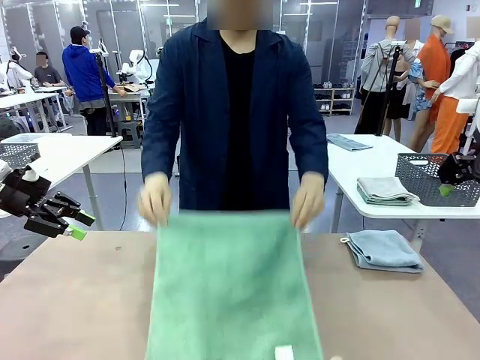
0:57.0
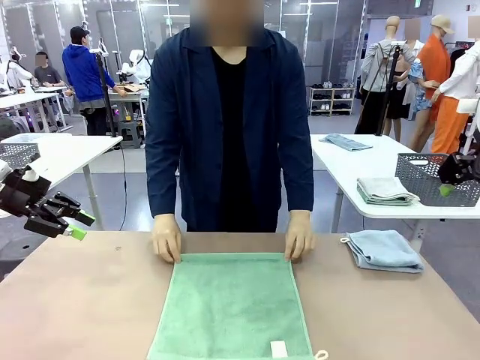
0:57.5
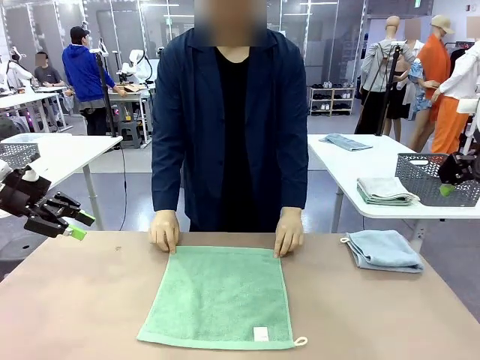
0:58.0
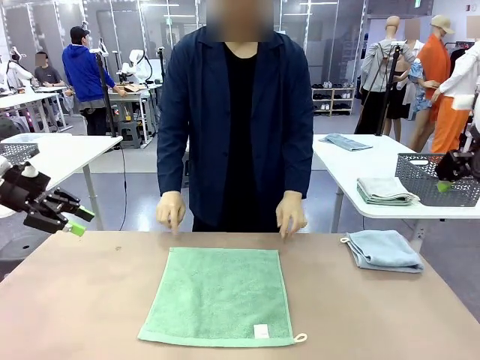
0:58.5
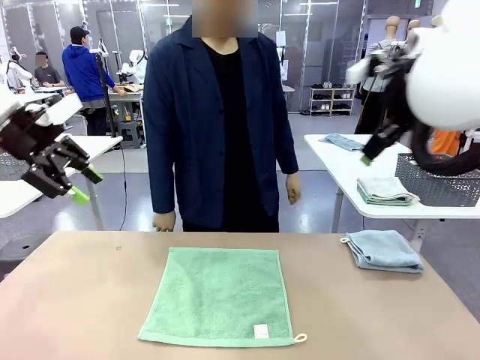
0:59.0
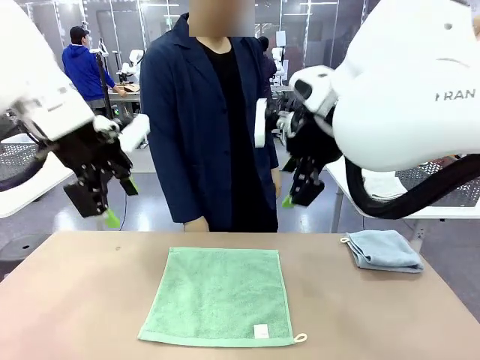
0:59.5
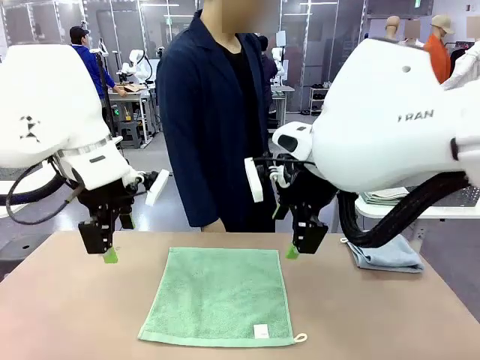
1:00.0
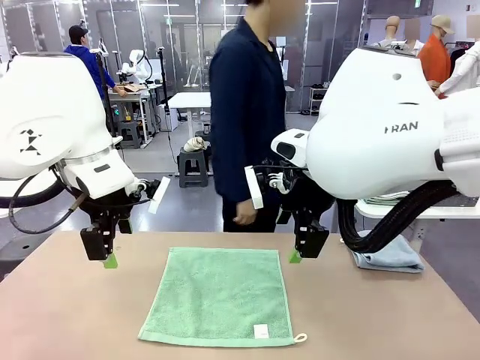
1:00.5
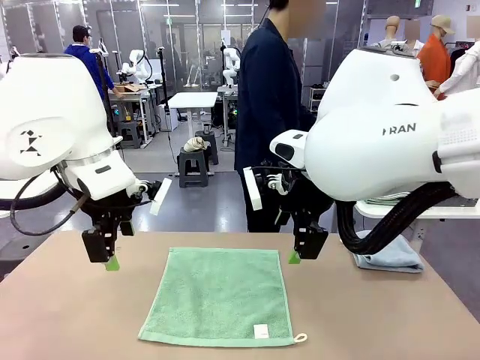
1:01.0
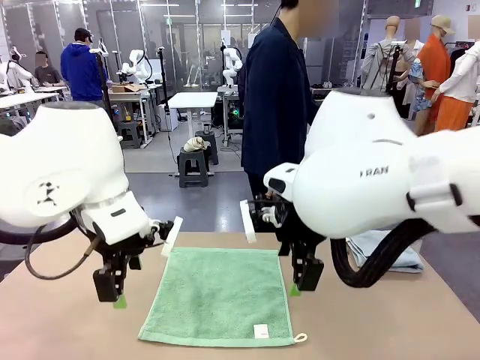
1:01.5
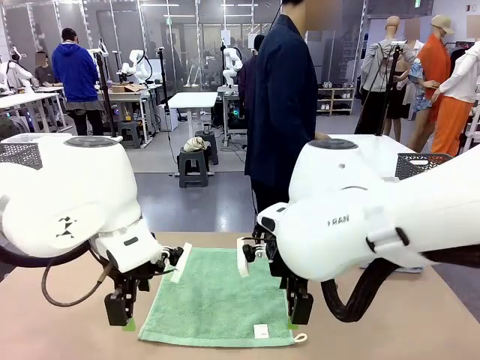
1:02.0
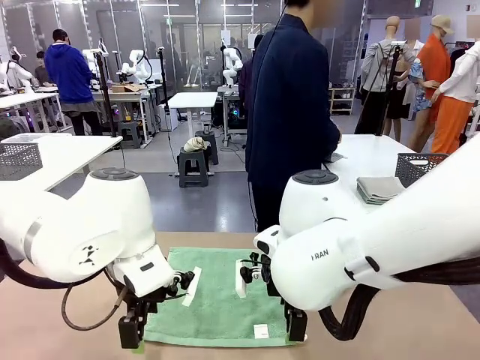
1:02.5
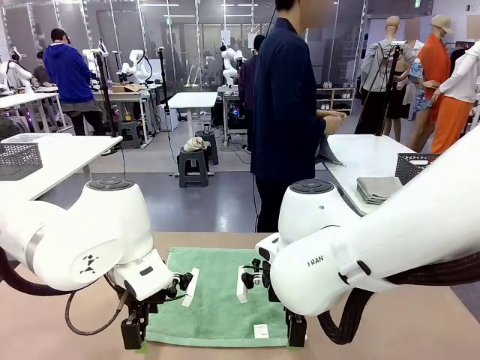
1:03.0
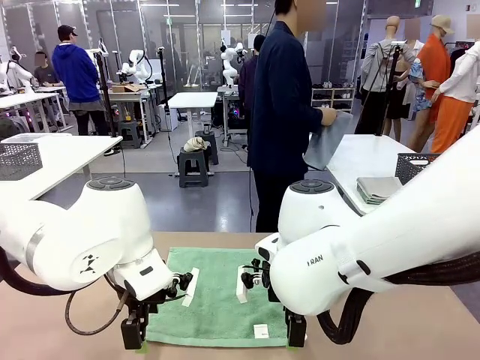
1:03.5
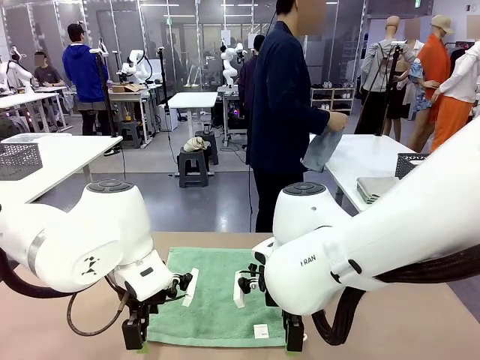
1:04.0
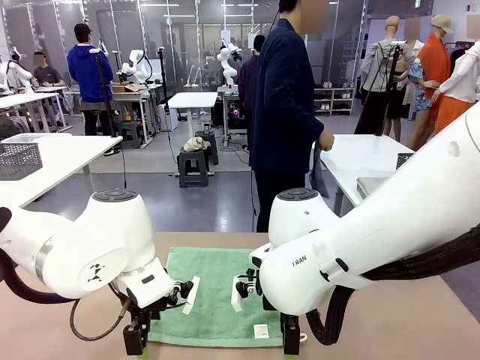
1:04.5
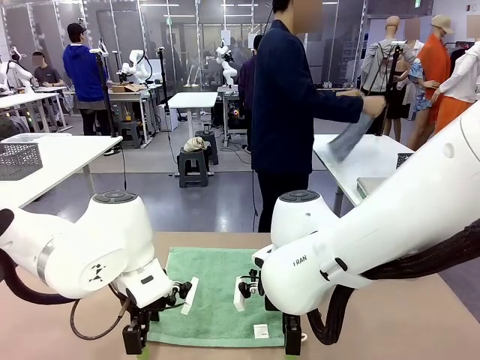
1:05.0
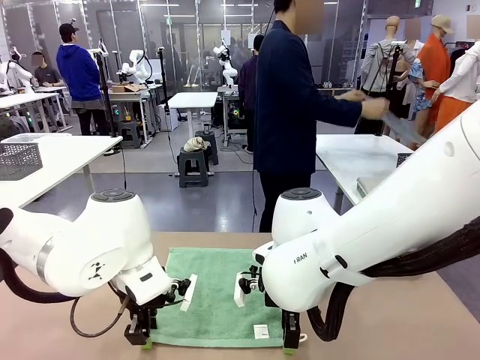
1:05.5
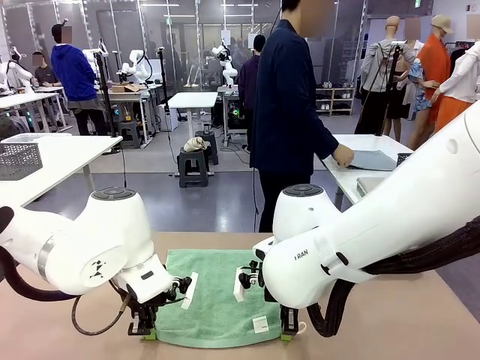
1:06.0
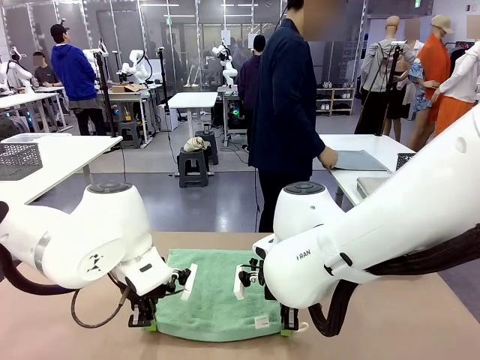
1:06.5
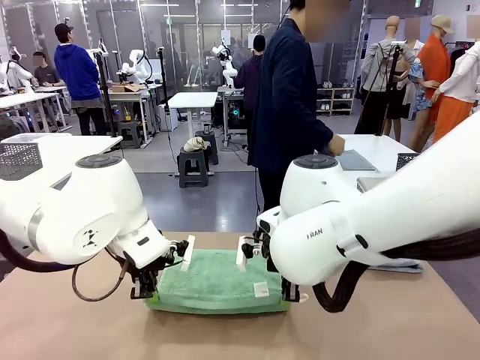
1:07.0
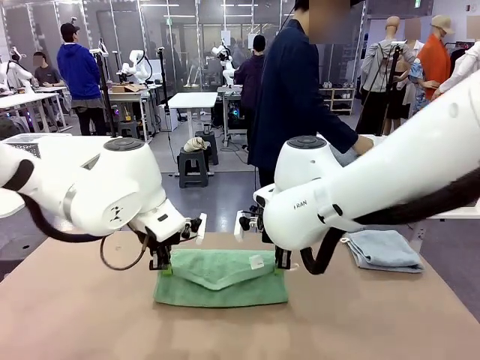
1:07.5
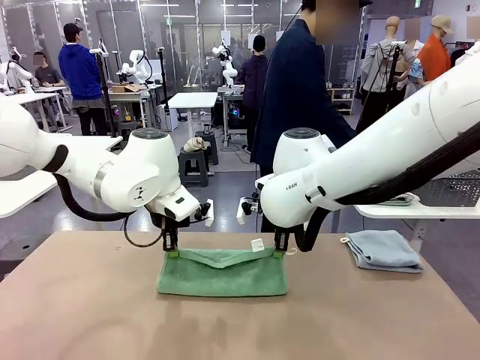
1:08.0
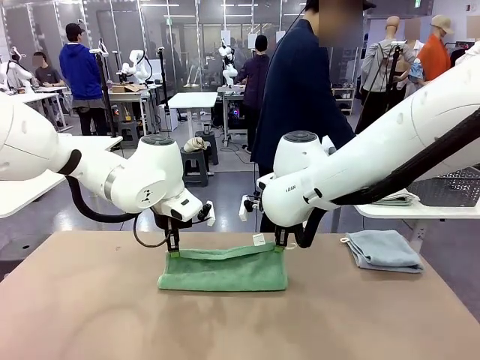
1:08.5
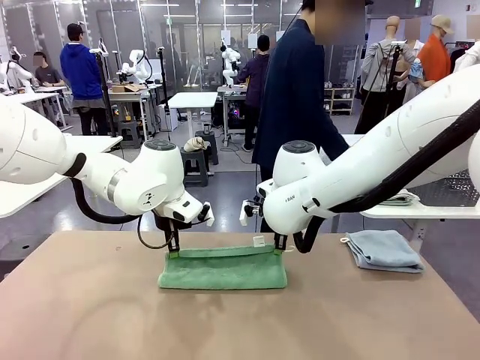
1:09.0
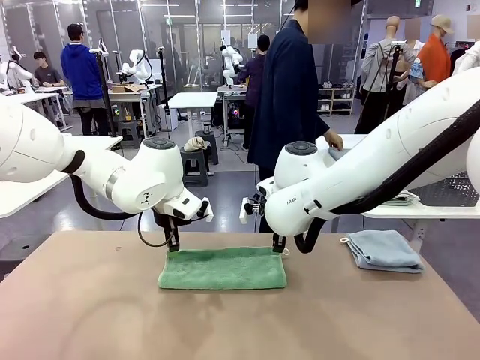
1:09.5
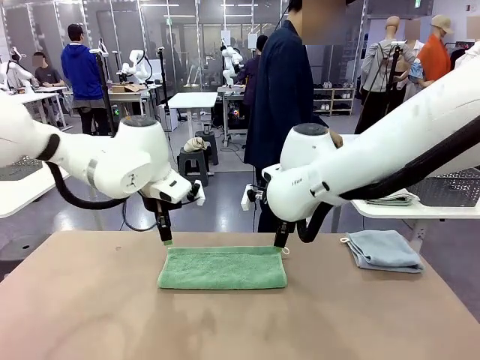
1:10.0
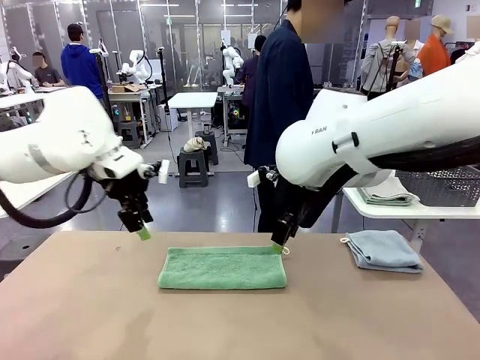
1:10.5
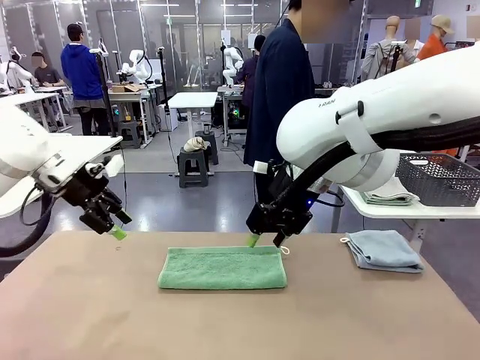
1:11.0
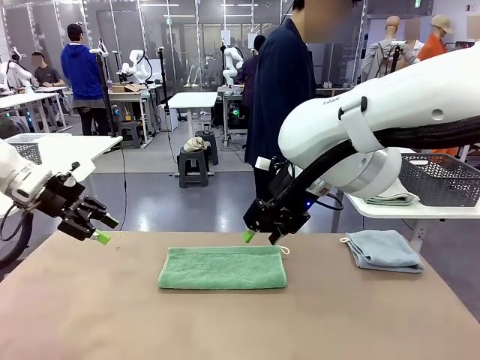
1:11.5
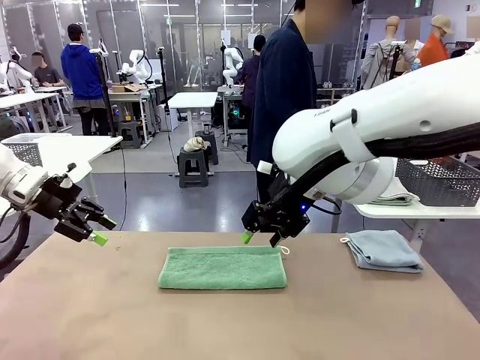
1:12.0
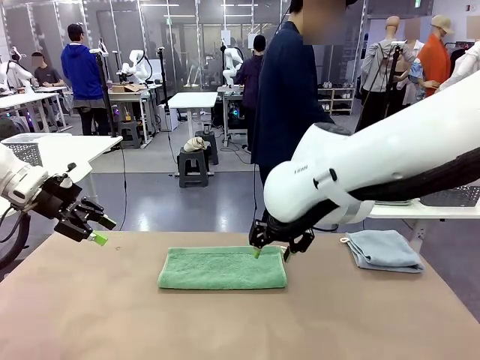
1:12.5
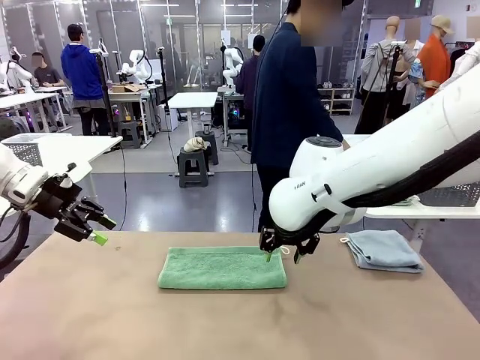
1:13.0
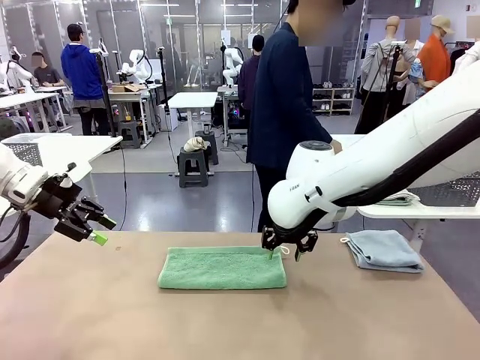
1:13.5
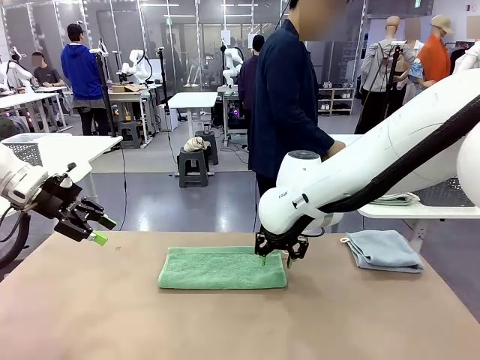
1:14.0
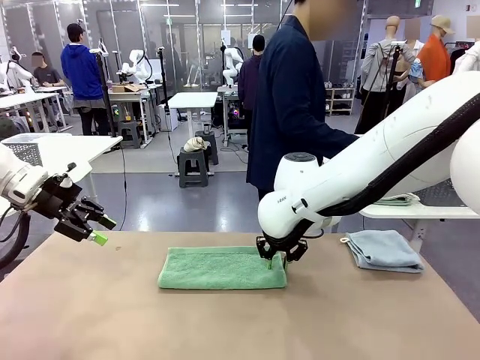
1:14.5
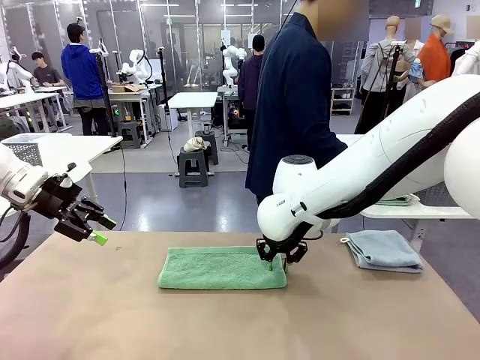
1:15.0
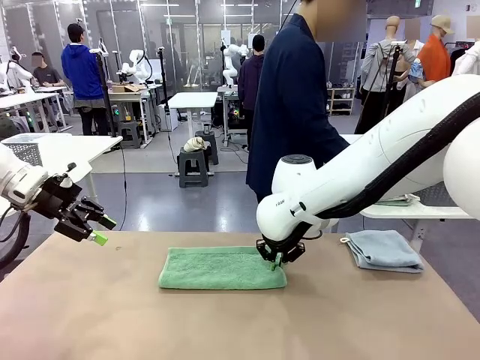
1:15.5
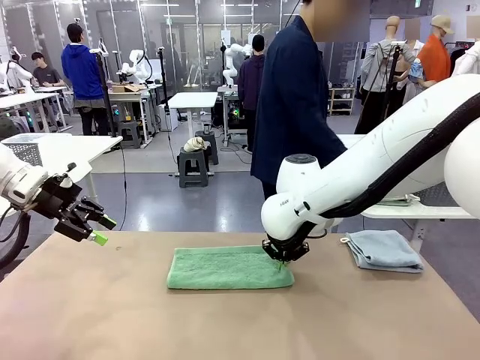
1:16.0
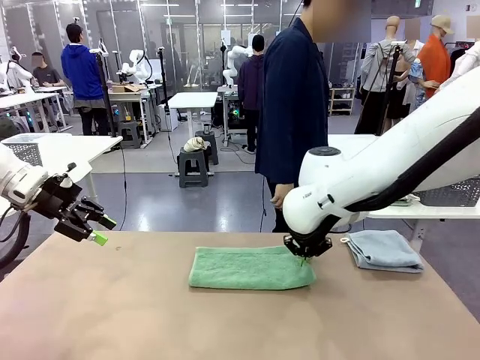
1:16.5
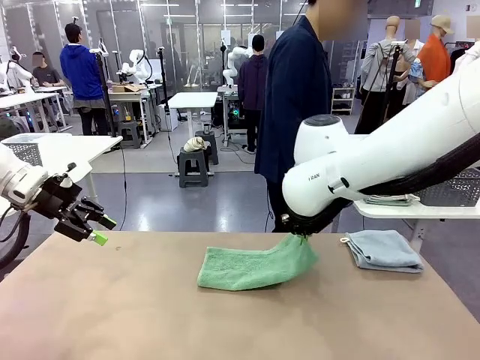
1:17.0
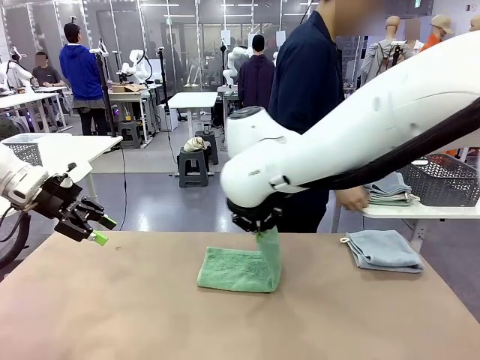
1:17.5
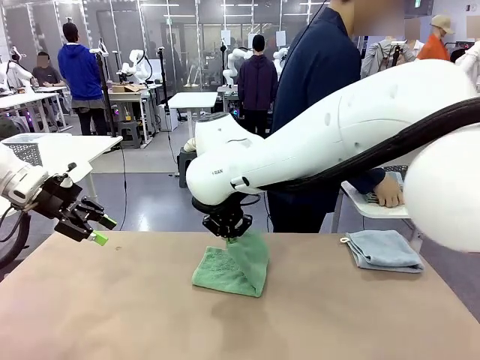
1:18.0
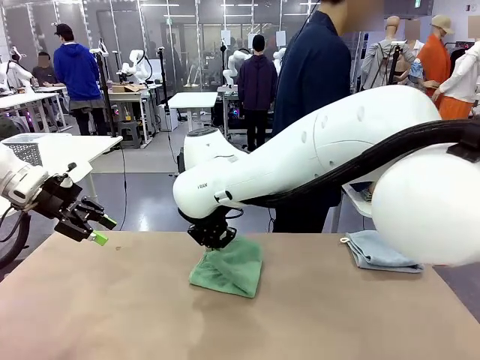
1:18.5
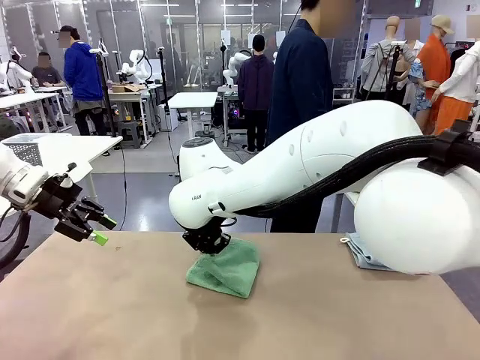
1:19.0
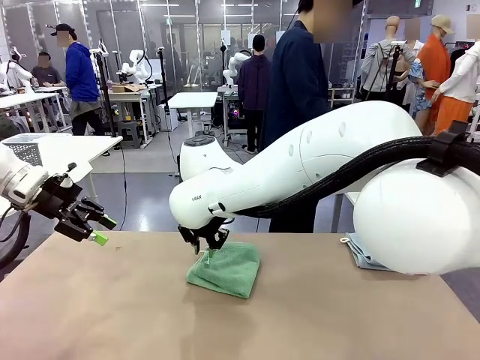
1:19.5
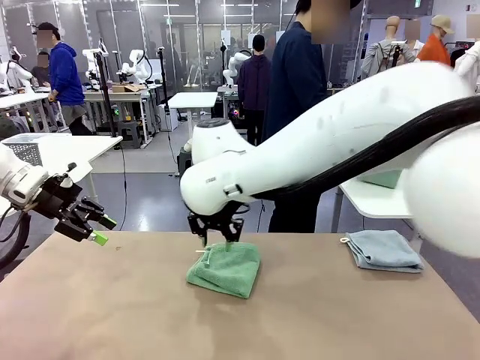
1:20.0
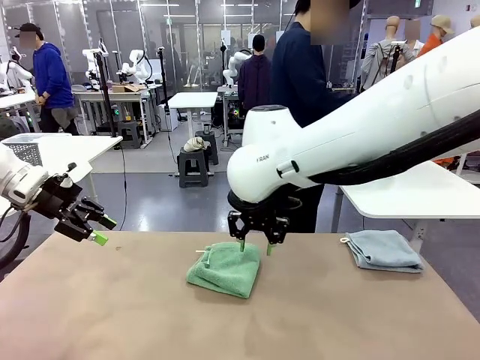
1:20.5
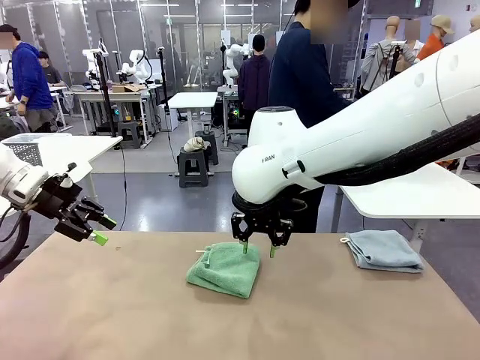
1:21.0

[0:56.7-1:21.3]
Task: Fold the towels and place them in the basket.
Robot: When a person lays out a Towel with hook on the table, fold it in half twice.
Person: Pick up one towel from the left side of the human table, fold it in half twice, and stack it on the right side of the table. Pick up the stack of towels from the right side of the human table, place it into the basket, and put the basket at the center of the table.
